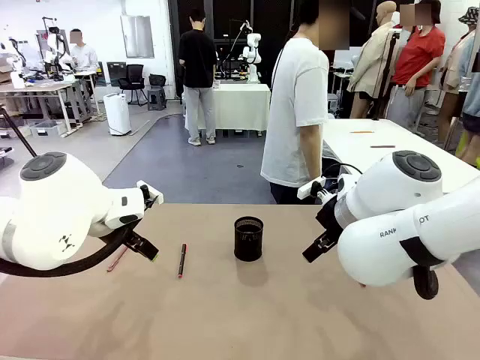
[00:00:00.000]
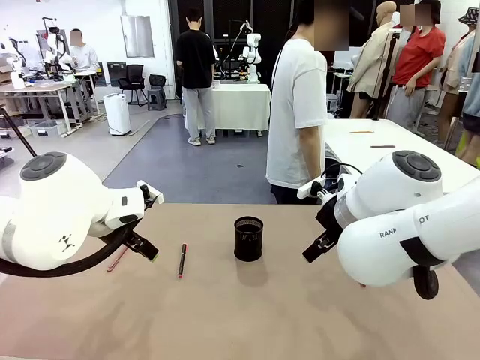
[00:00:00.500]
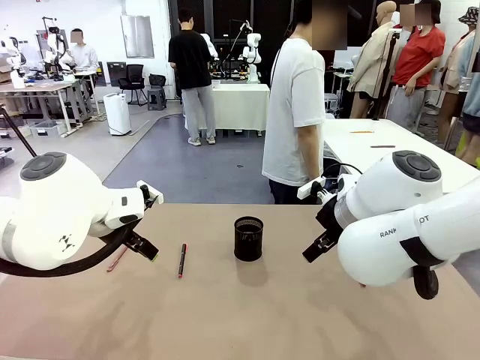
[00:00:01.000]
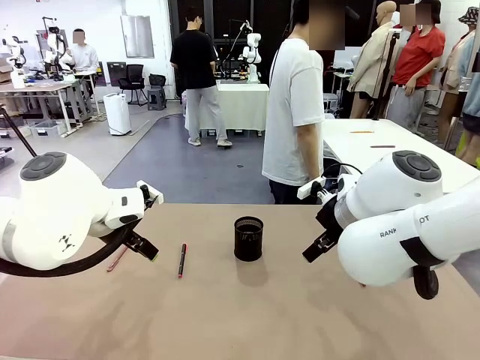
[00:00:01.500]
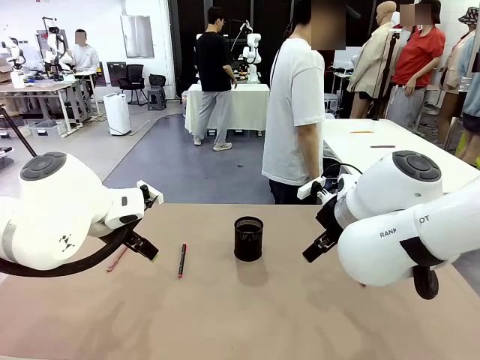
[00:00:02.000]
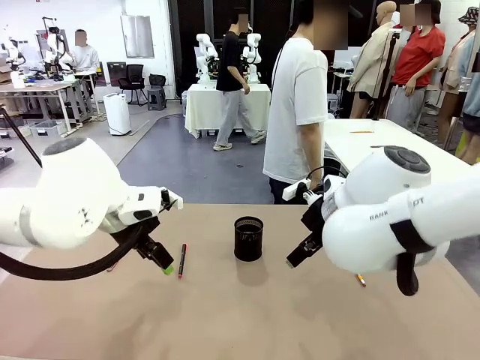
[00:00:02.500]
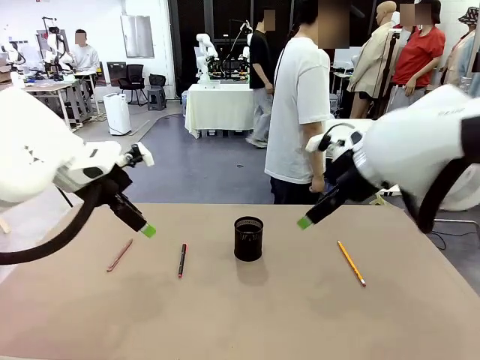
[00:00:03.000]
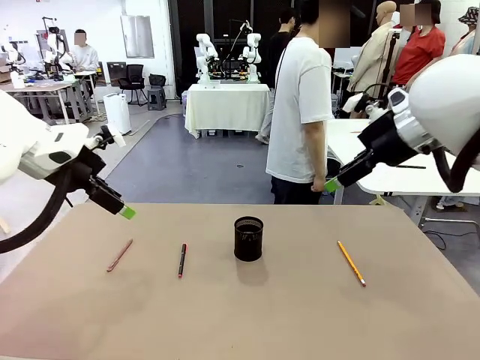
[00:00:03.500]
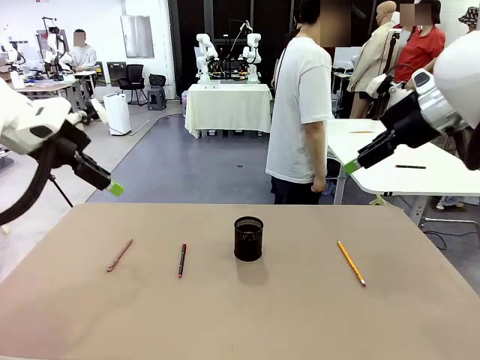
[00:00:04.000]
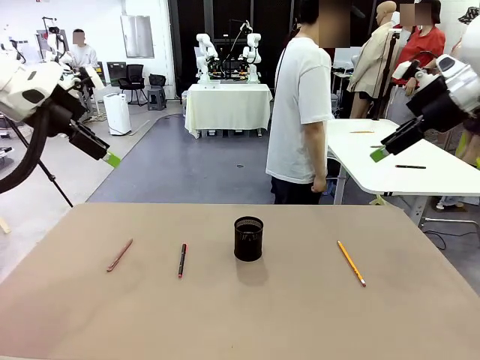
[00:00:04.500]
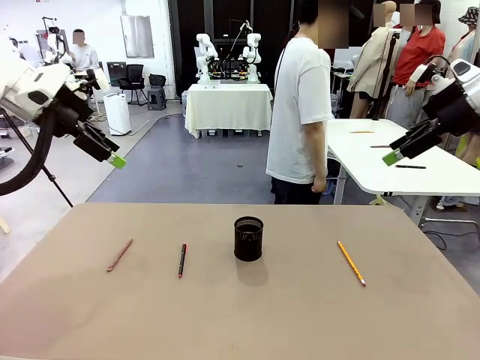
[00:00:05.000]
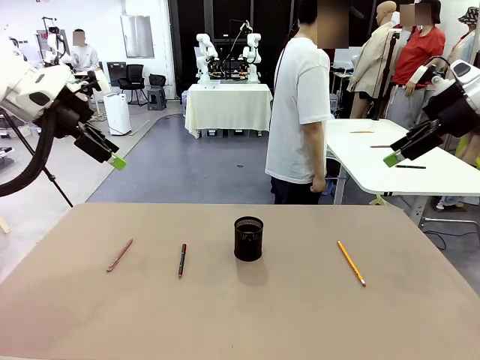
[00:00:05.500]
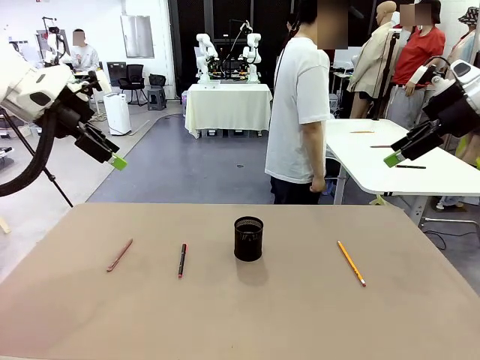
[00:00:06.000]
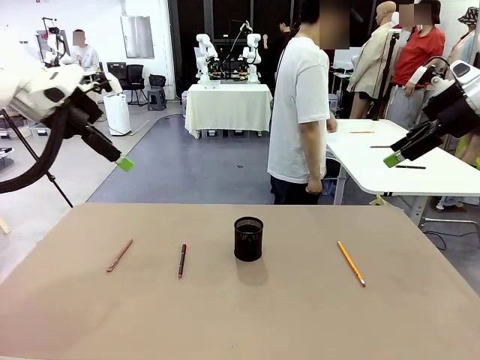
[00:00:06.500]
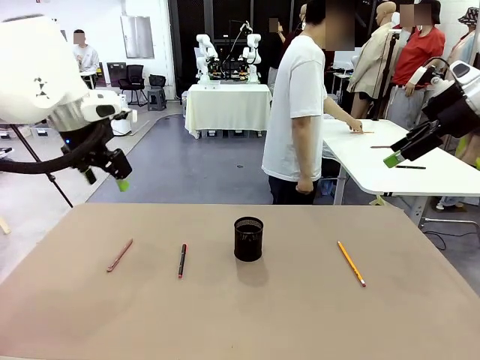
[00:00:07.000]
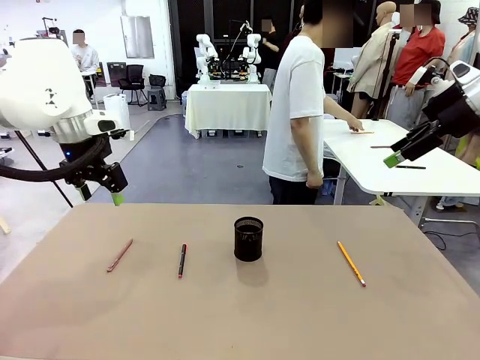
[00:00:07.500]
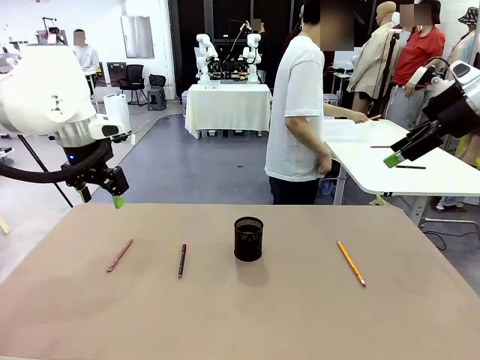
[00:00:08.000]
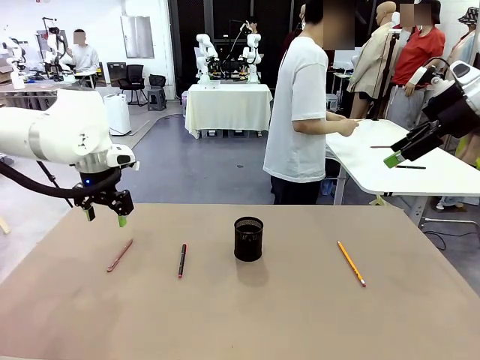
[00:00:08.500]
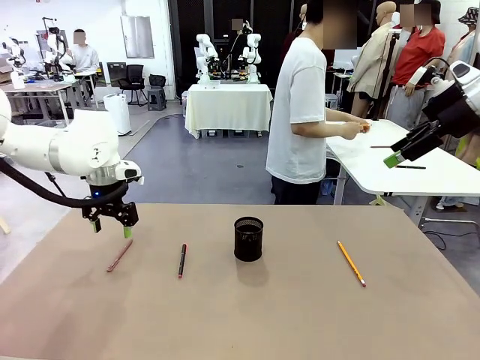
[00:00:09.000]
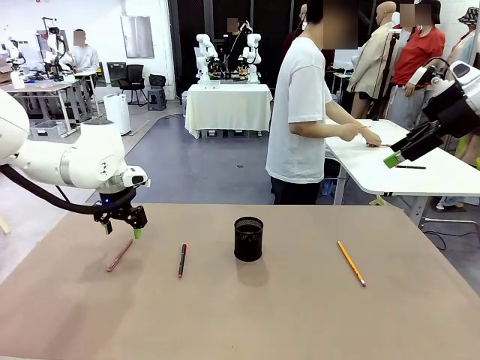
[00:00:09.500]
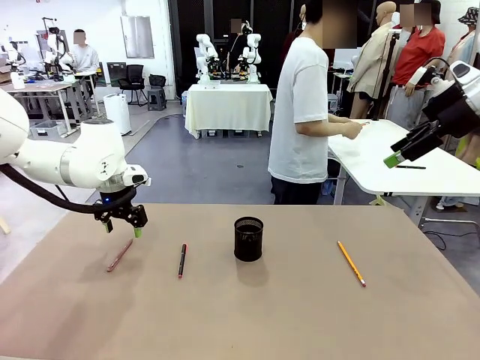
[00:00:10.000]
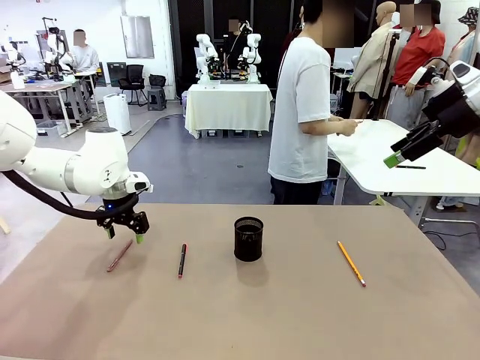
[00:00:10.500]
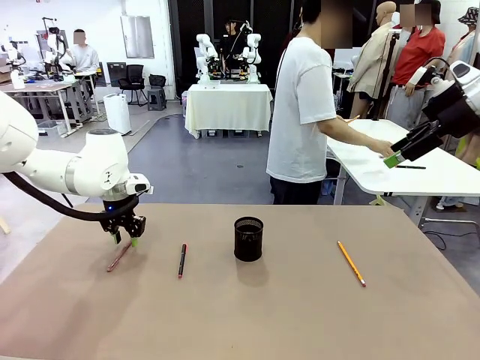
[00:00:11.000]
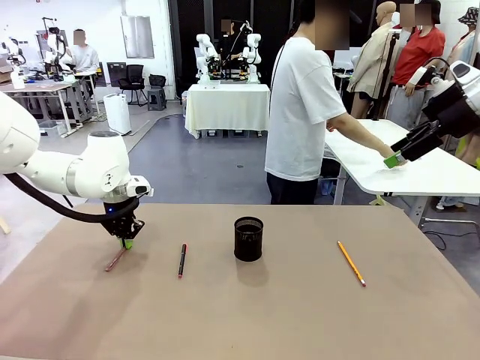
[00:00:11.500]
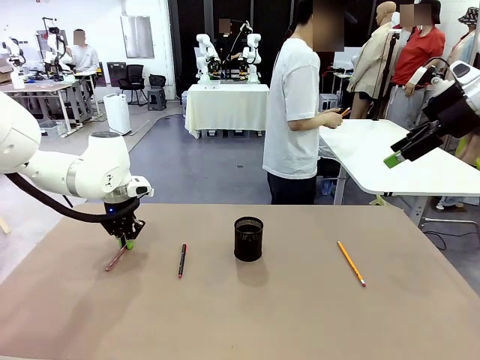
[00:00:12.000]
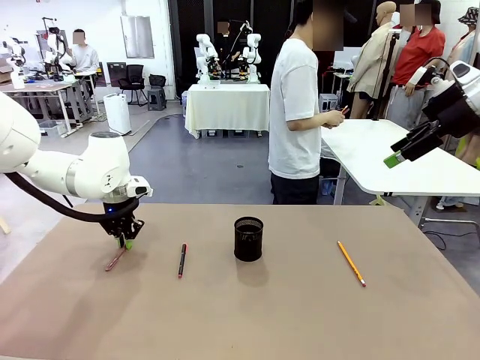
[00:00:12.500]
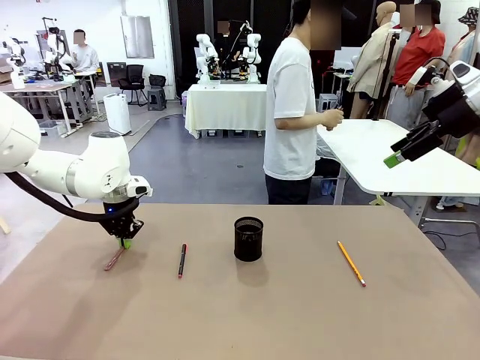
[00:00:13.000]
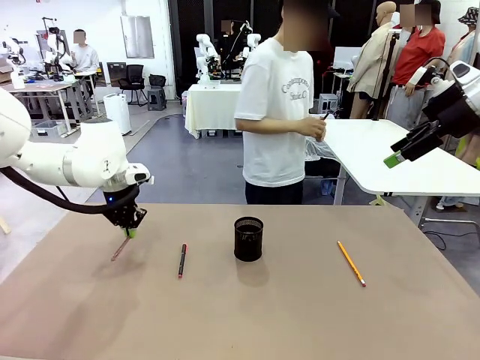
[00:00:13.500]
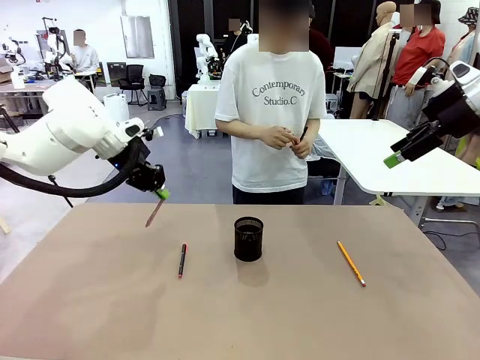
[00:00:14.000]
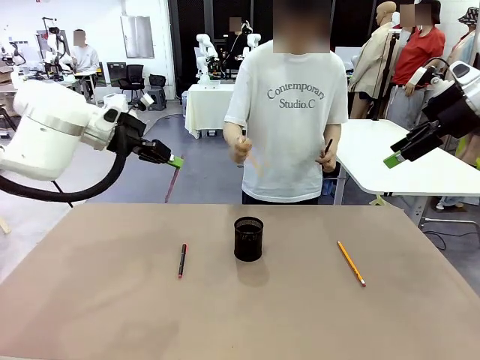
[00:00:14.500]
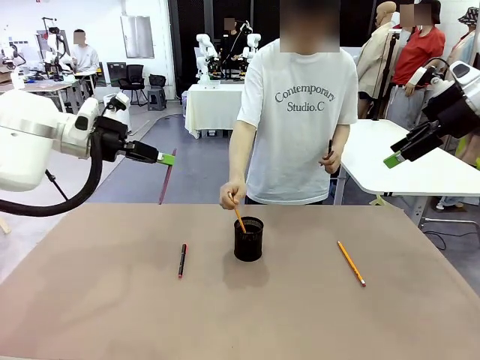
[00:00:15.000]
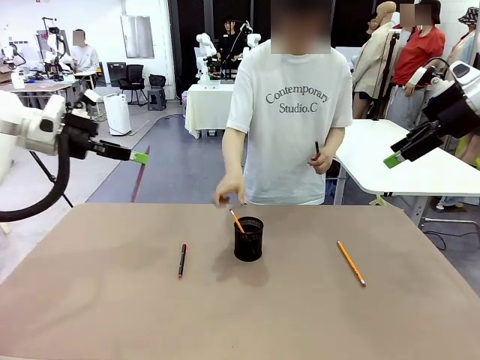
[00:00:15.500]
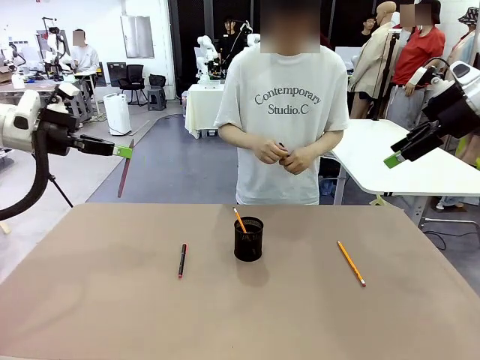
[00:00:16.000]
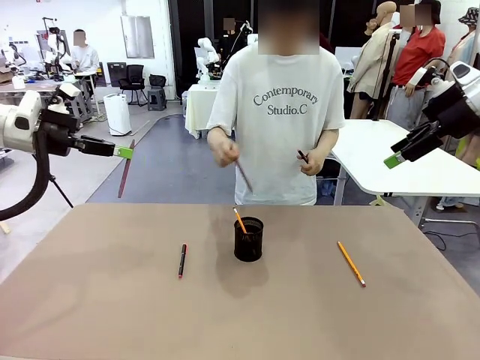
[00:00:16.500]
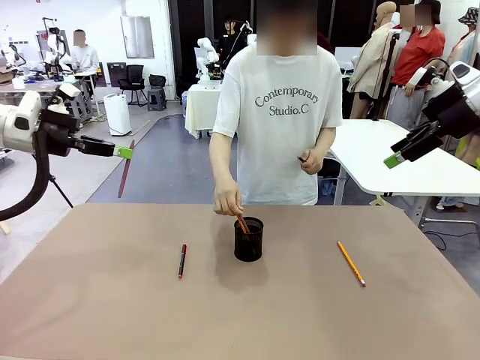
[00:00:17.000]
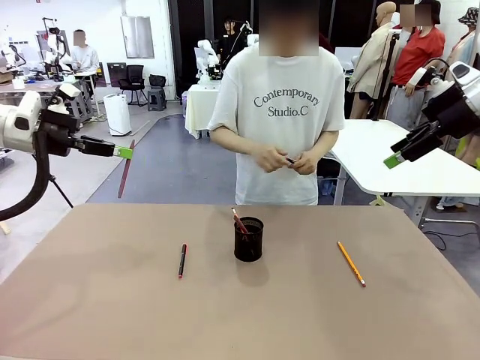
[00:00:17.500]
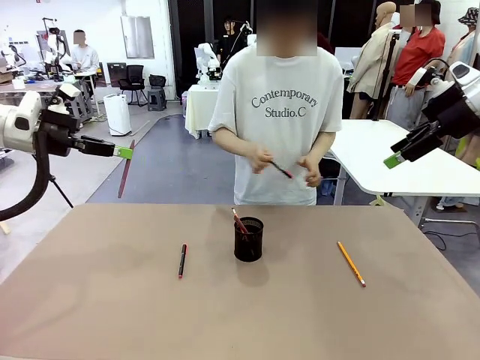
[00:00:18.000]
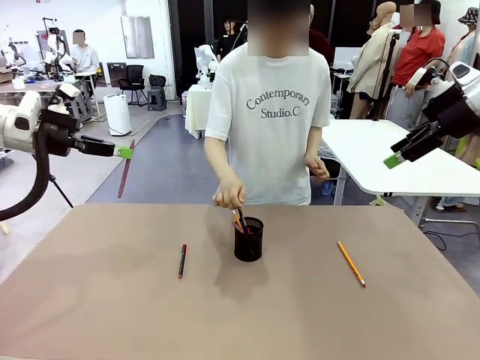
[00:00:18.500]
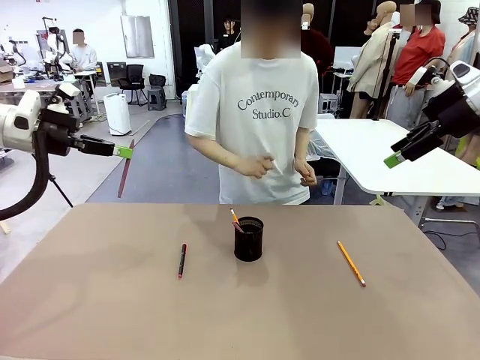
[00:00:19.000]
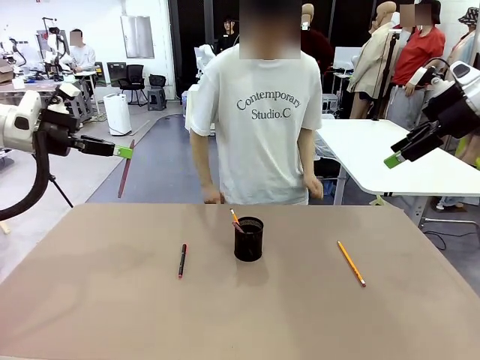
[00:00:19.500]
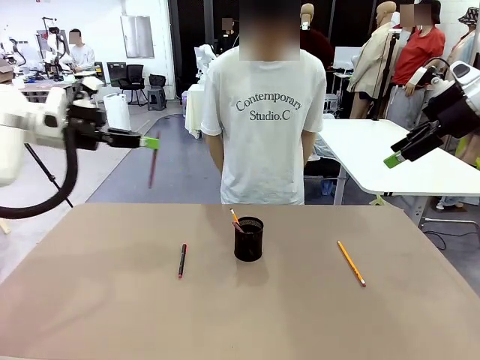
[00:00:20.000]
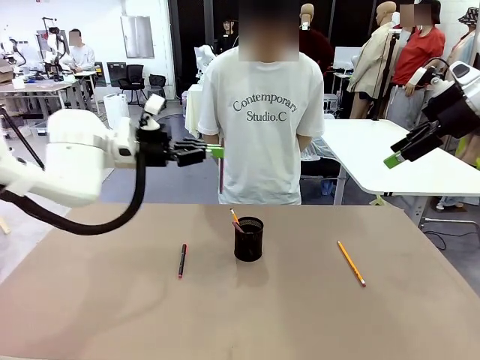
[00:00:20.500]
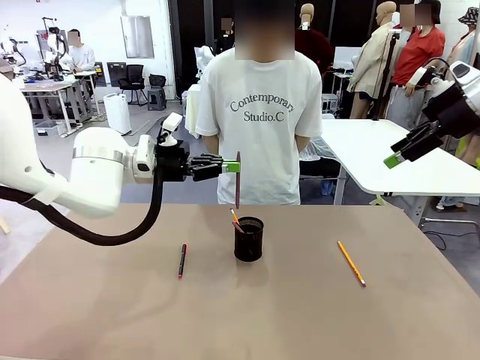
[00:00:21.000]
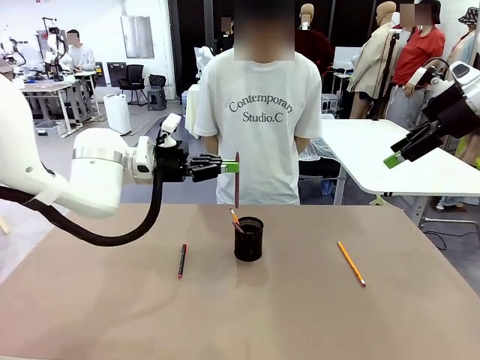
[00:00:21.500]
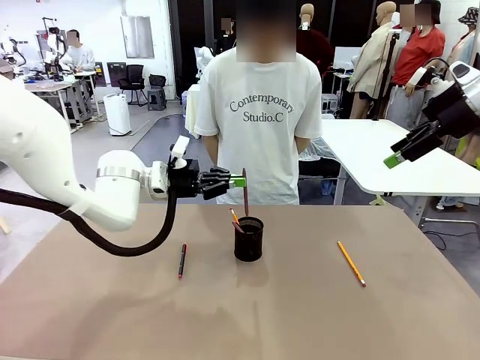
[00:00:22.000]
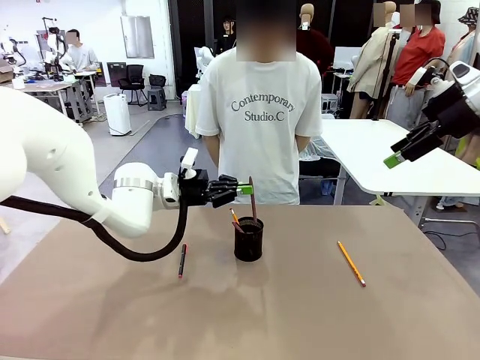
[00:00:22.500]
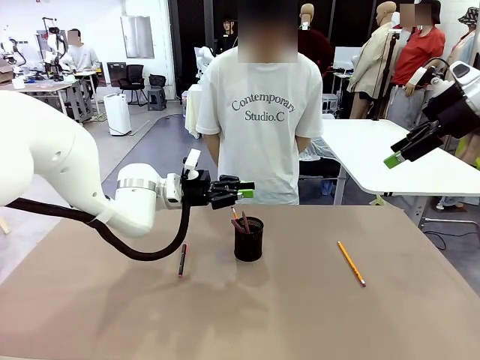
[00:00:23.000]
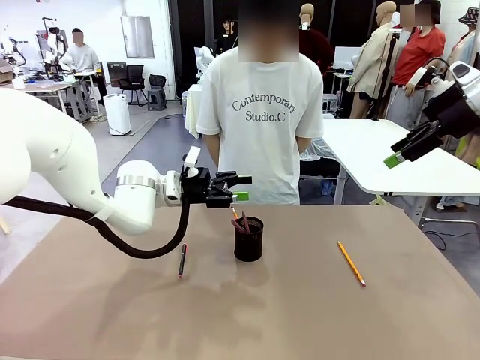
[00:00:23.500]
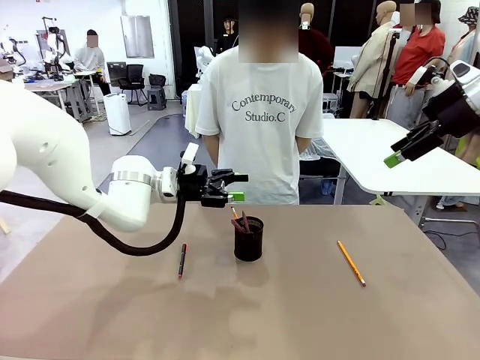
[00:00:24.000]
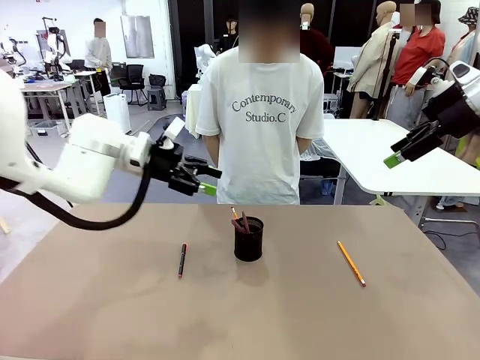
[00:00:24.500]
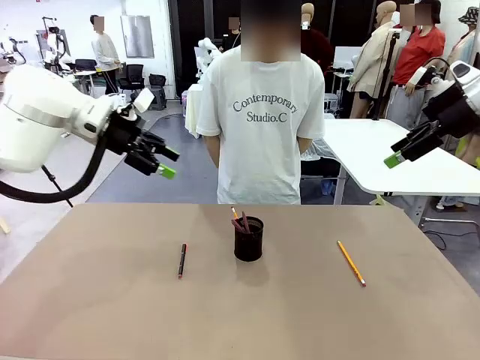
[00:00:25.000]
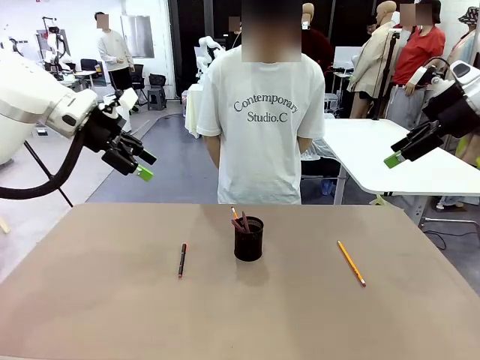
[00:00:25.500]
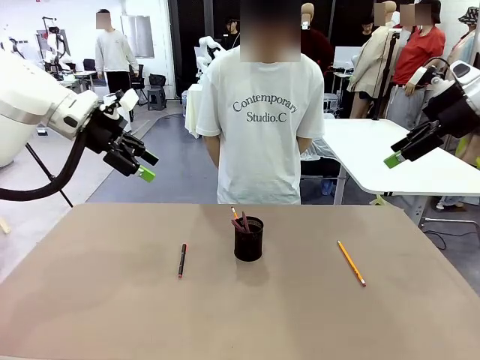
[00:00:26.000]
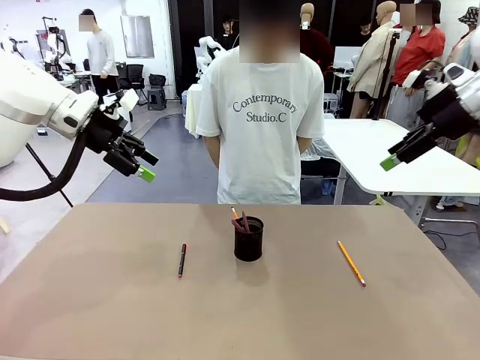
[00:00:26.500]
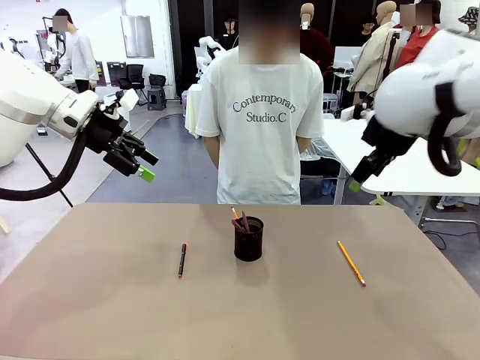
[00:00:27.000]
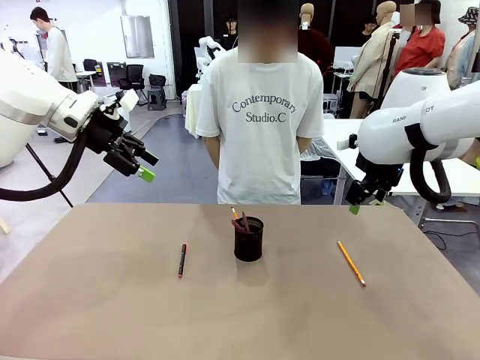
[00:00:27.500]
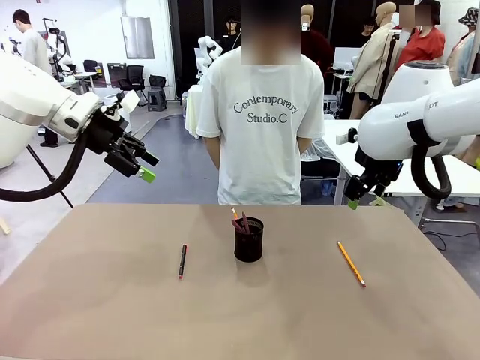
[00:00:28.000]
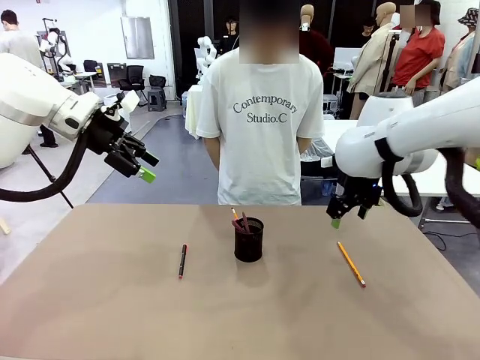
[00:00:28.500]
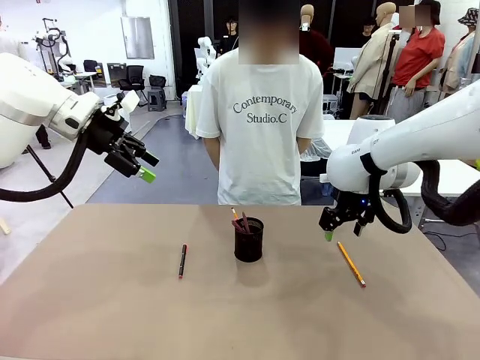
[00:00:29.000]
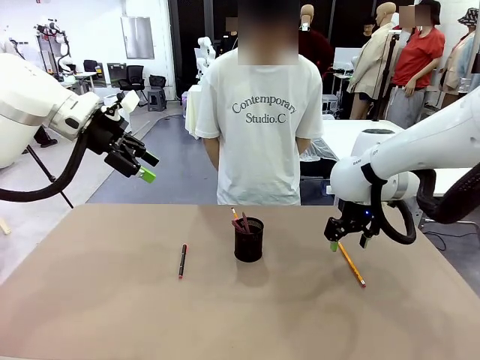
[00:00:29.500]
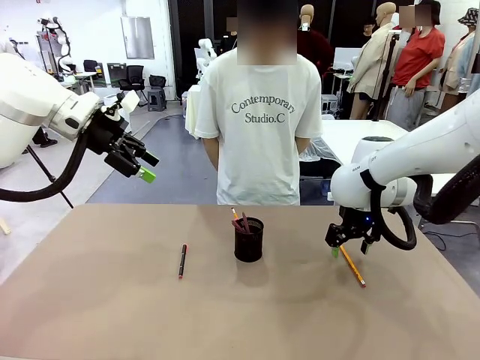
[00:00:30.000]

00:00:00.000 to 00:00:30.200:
Task: Place the pens into the pen holder.
Robot: Pick up a writing instrument from the table and place it into the Pen holder.
Person: Pick up all writing instruments from the Human table.
